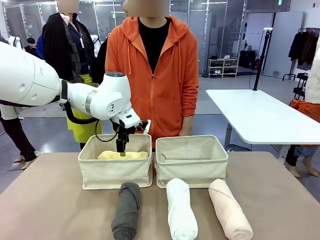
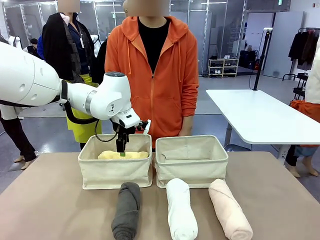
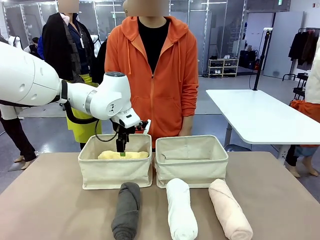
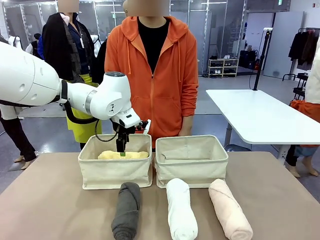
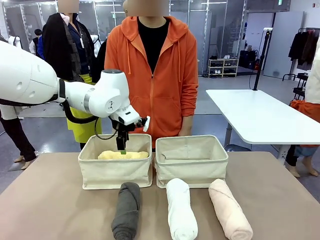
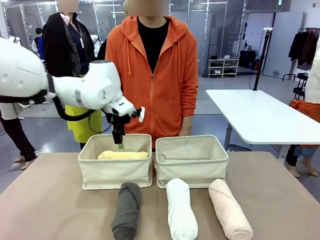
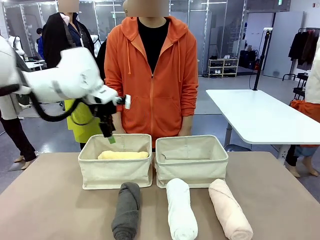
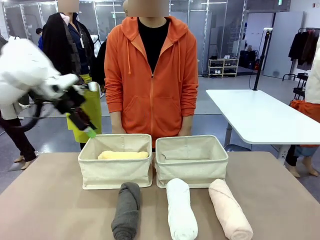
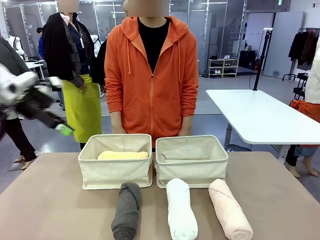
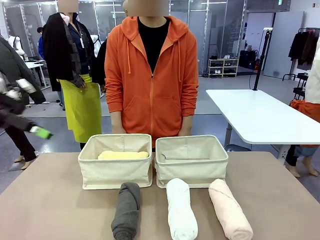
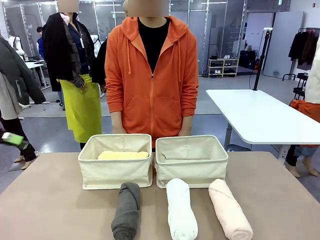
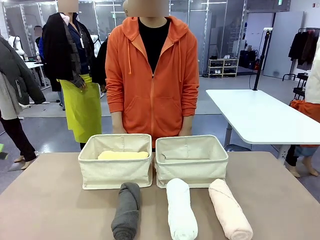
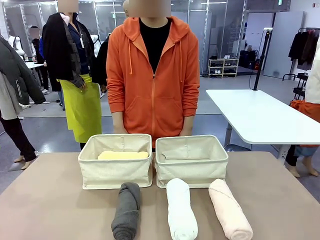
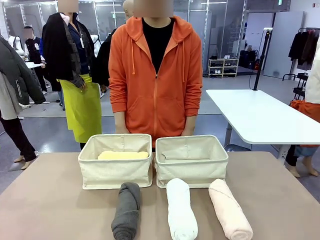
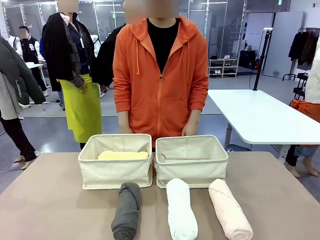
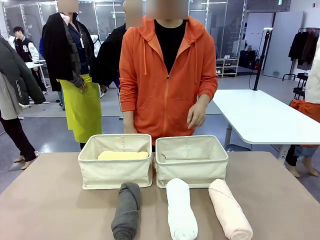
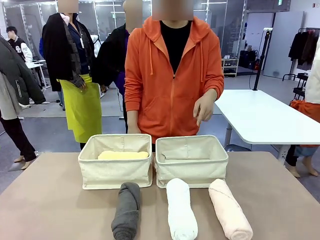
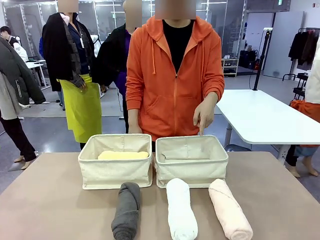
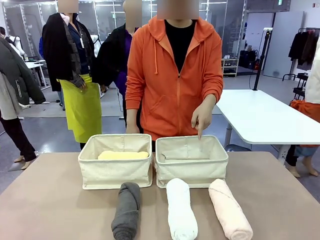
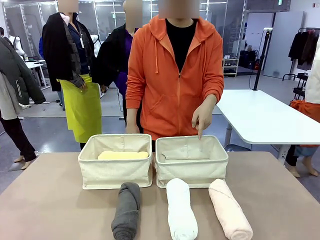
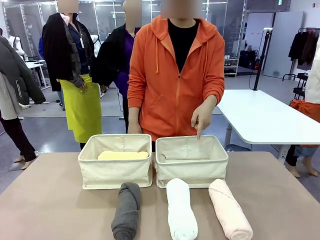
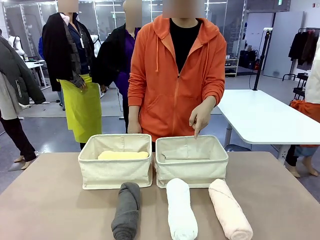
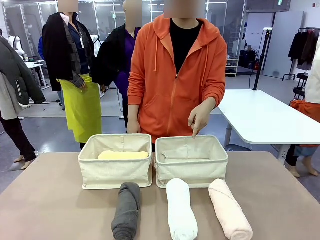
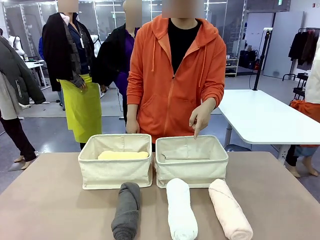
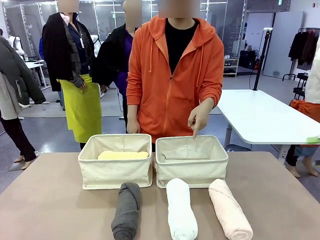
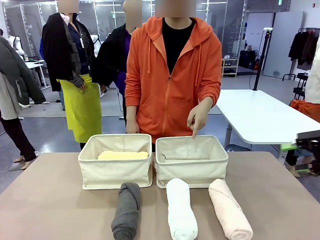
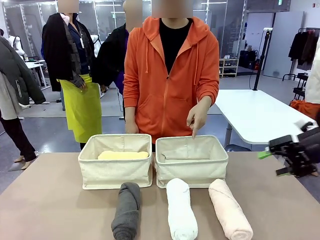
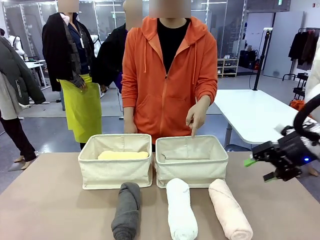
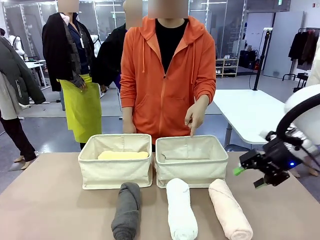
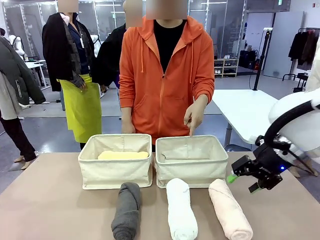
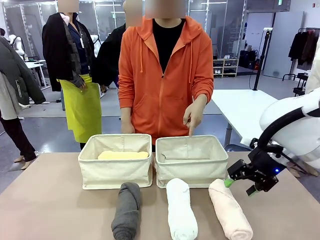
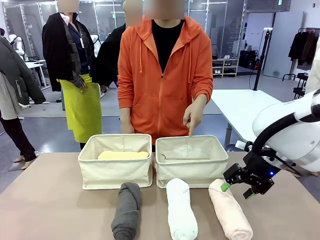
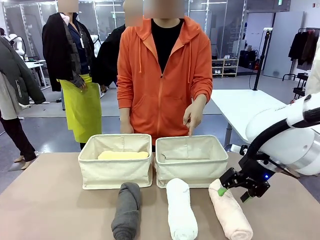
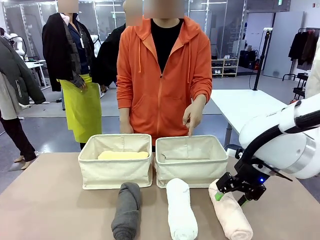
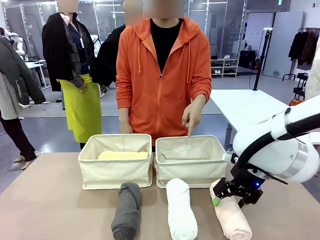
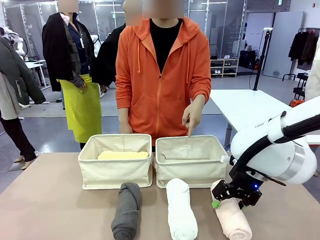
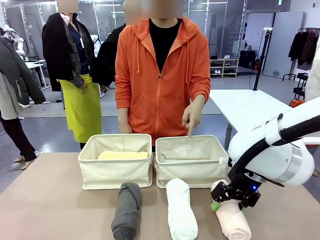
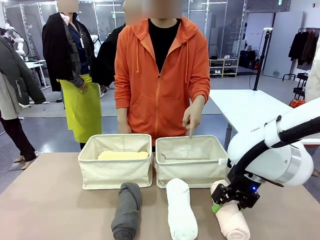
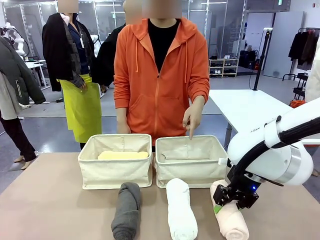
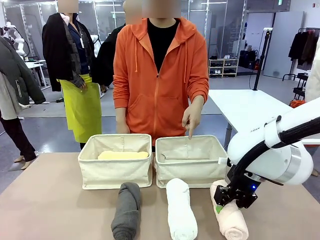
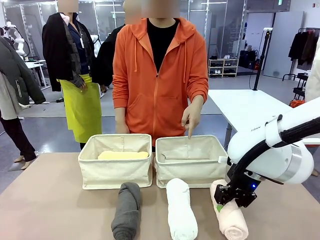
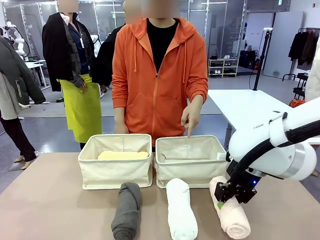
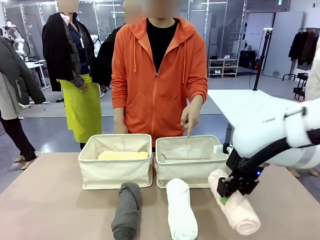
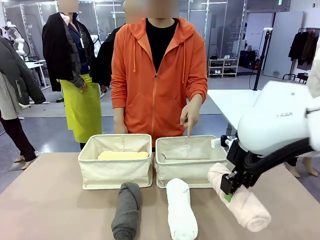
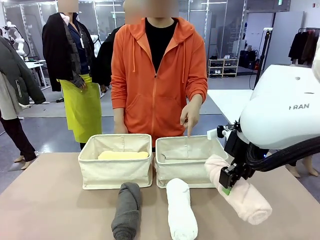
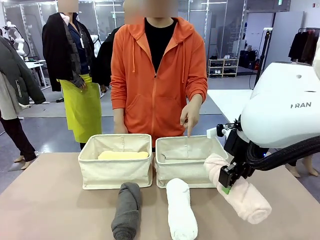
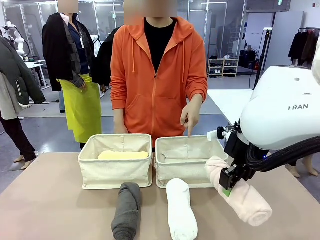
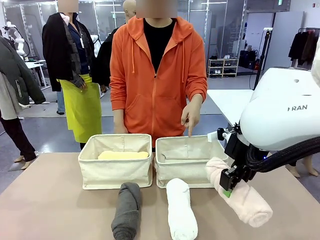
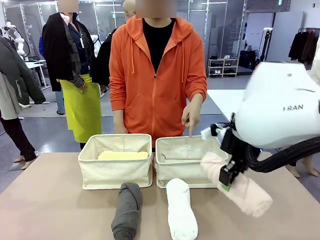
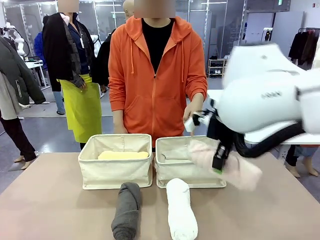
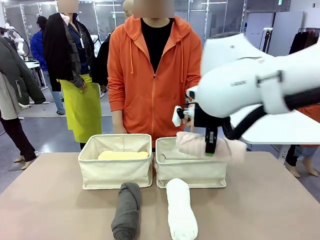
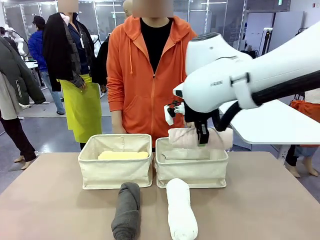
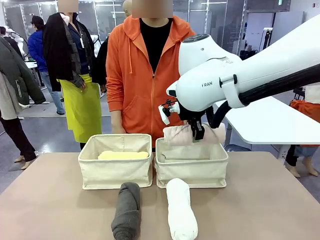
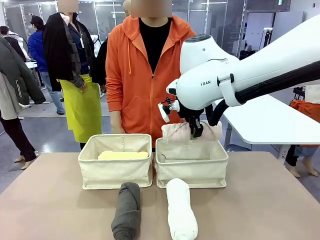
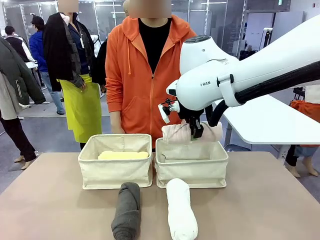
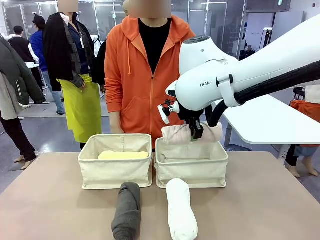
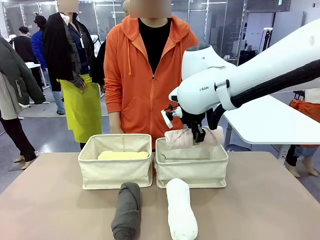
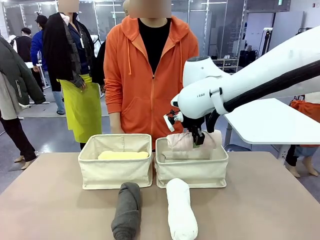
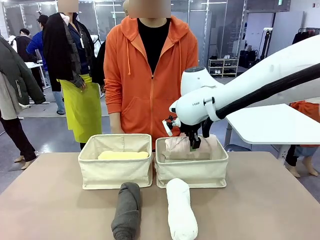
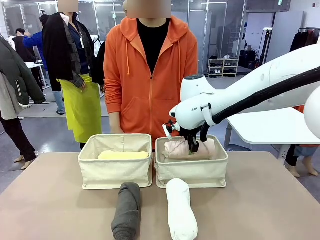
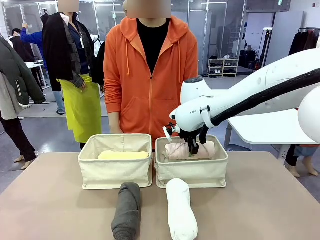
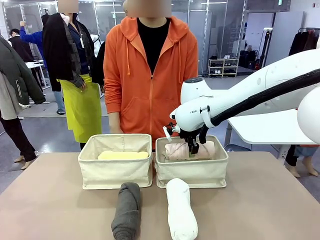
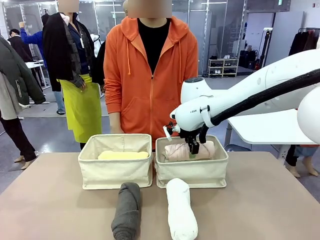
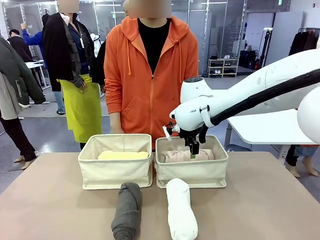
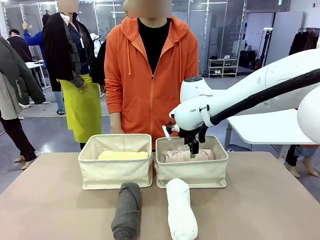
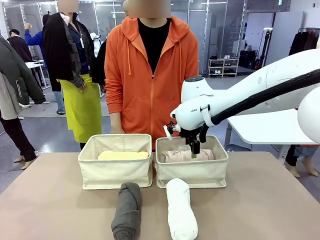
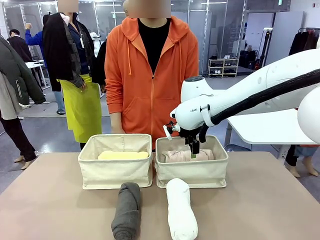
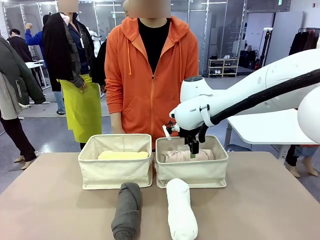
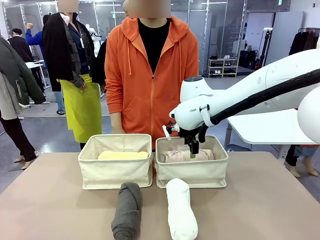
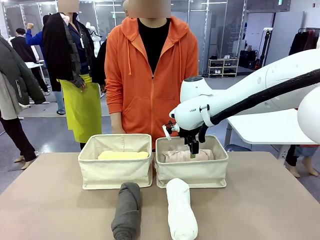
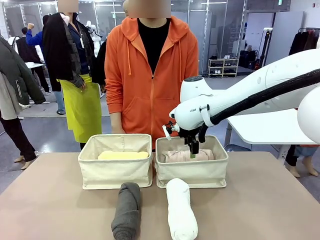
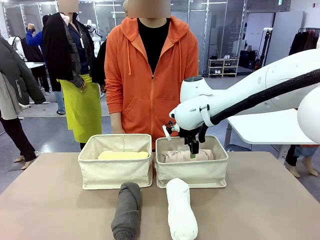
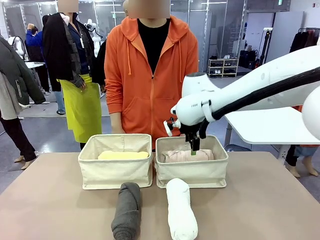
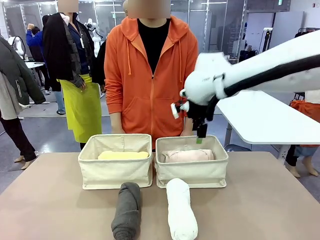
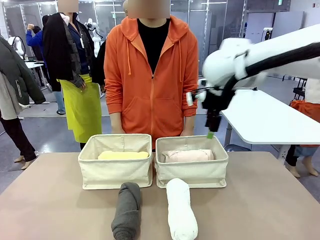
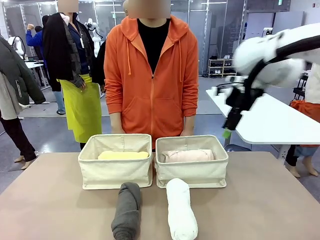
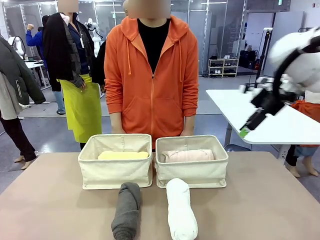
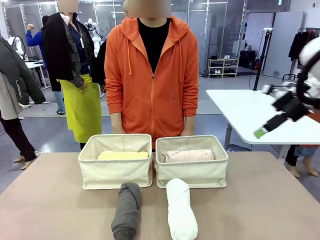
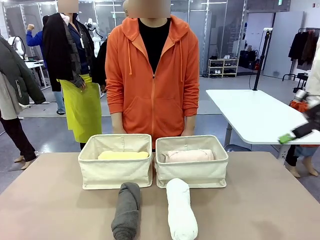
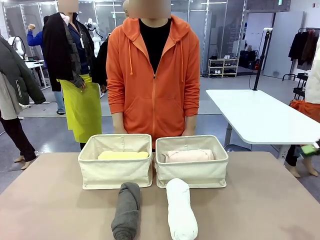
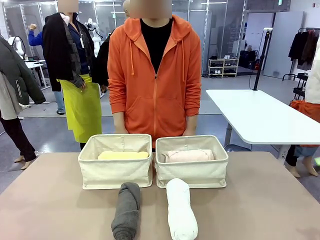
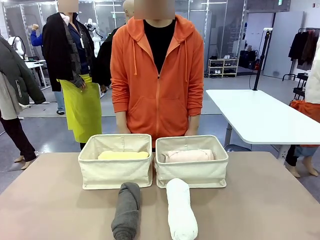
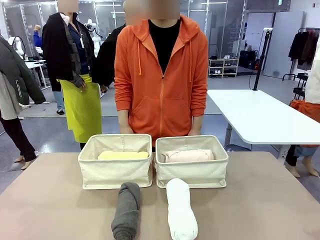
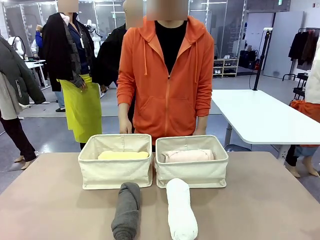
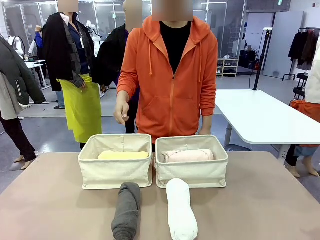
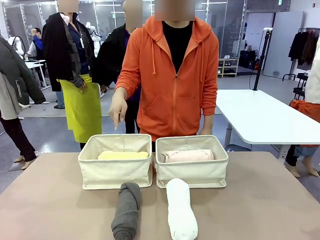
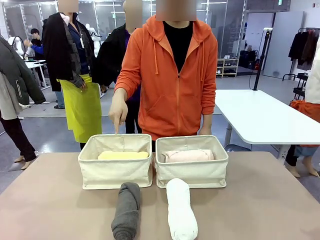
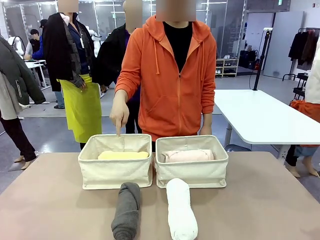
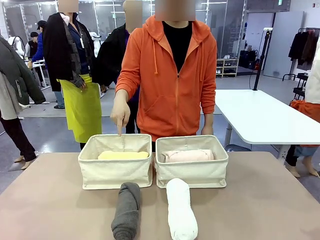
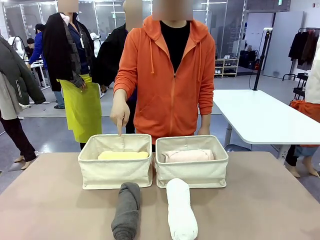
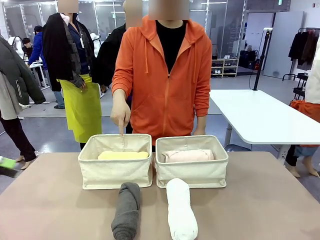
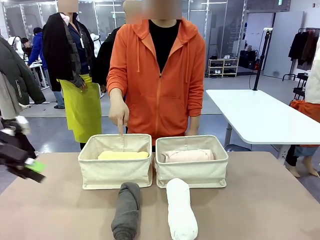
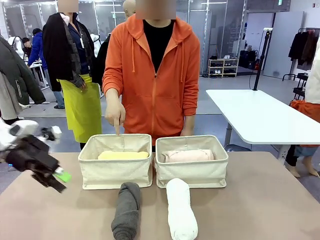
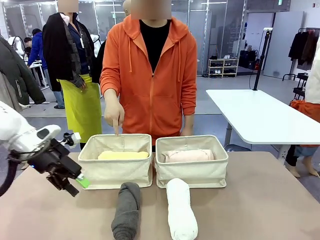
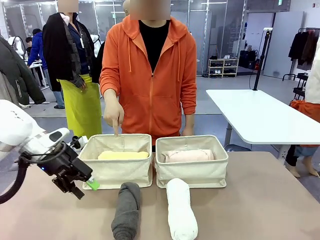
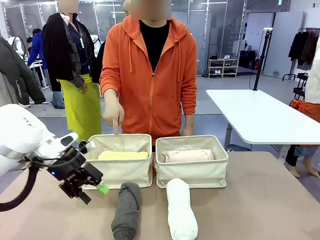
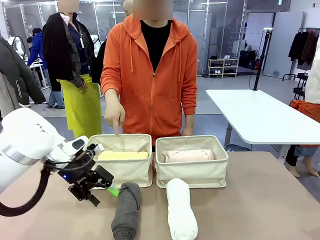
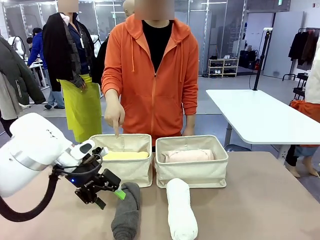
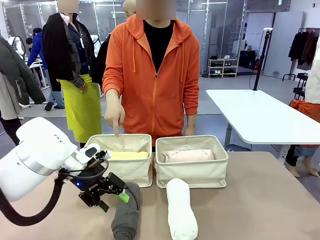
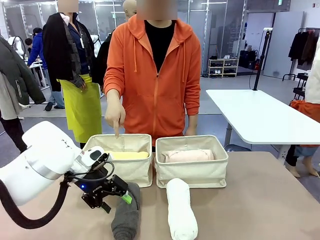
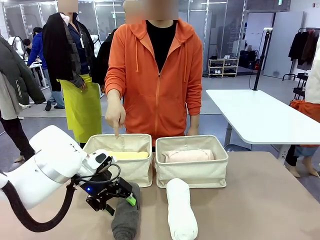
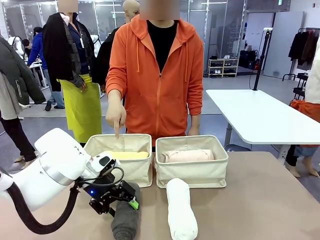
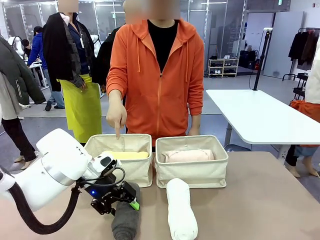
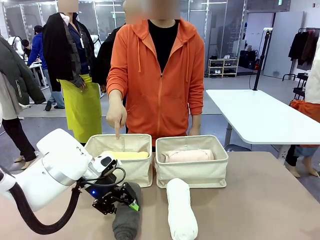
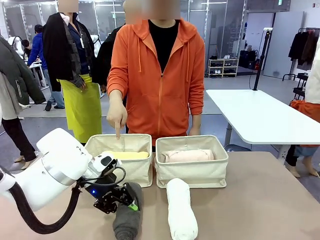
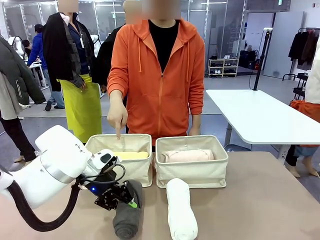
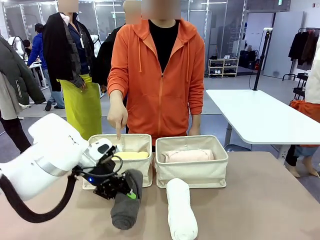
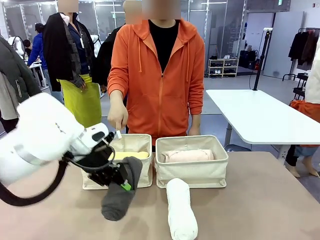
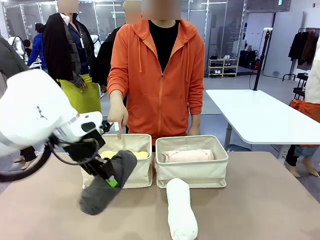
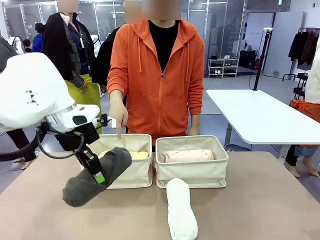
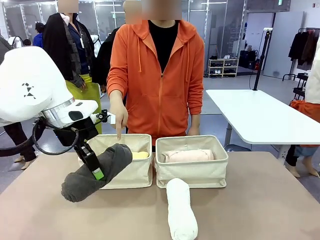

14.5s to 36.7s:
Task: Divide the towels into two baskets.
Robot: Pick up one hotel-folded towel from the bottom of the table and place it in the Fabric basket indicated by the person.
